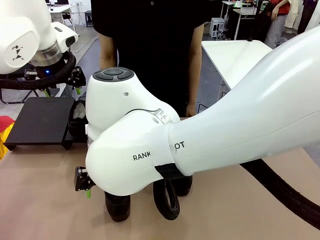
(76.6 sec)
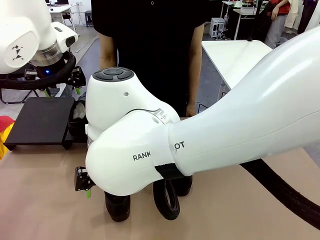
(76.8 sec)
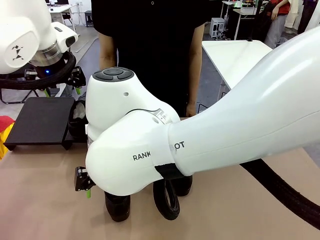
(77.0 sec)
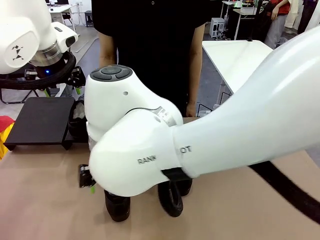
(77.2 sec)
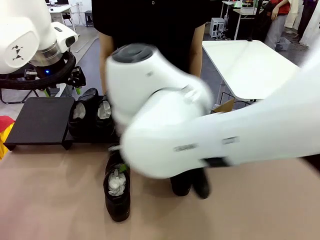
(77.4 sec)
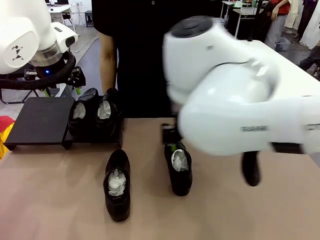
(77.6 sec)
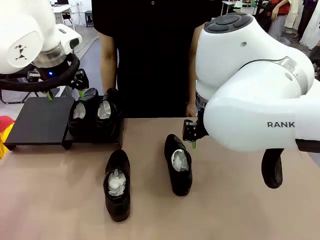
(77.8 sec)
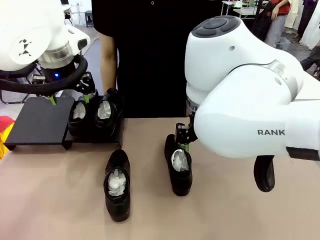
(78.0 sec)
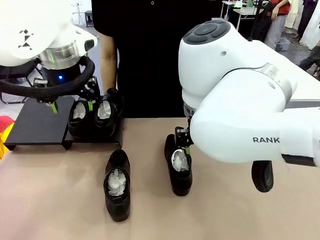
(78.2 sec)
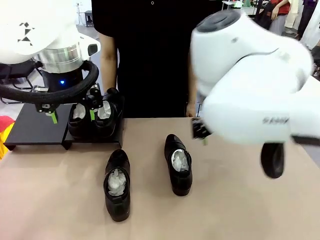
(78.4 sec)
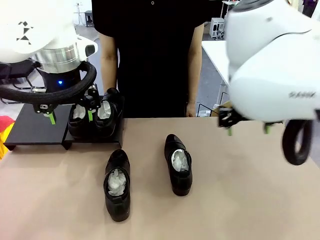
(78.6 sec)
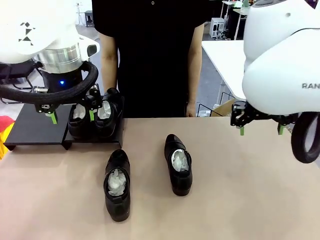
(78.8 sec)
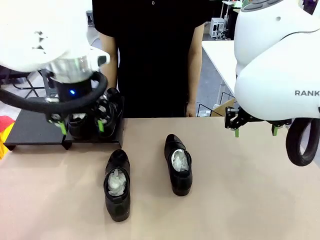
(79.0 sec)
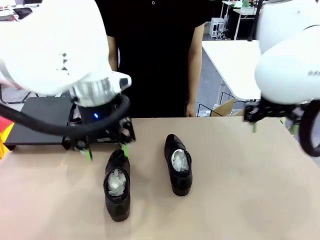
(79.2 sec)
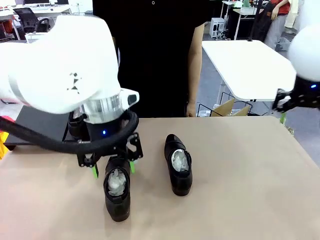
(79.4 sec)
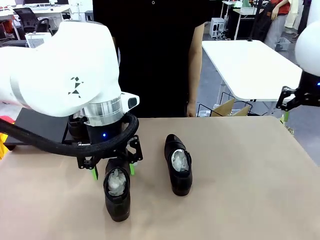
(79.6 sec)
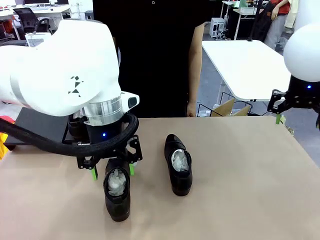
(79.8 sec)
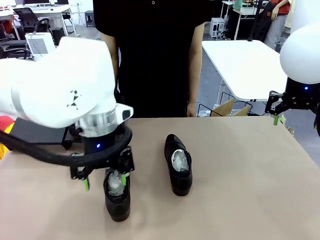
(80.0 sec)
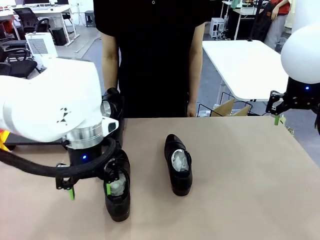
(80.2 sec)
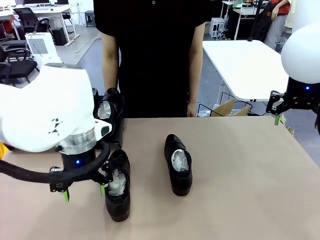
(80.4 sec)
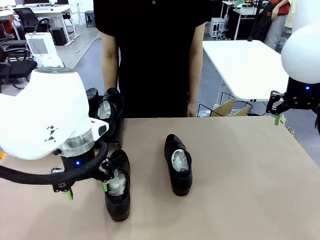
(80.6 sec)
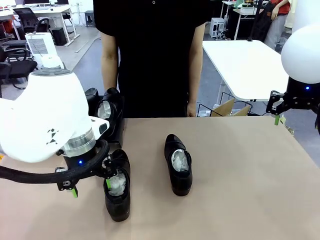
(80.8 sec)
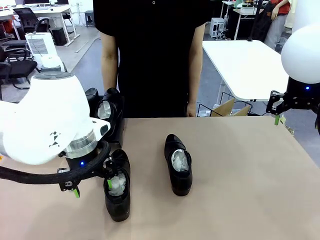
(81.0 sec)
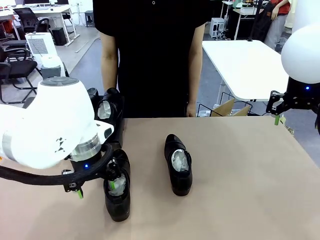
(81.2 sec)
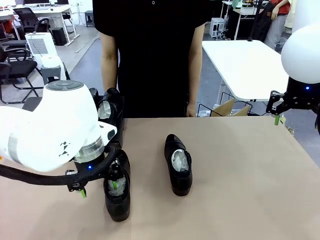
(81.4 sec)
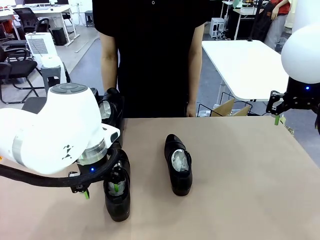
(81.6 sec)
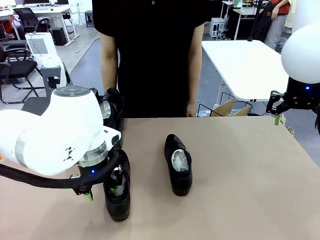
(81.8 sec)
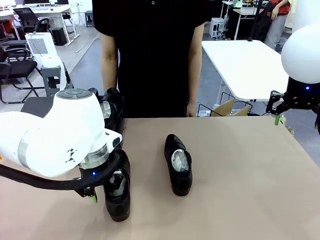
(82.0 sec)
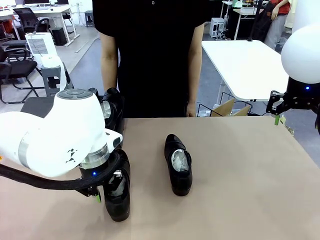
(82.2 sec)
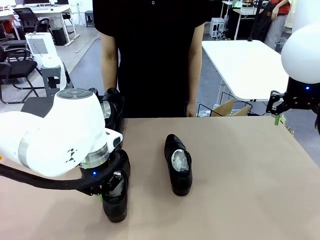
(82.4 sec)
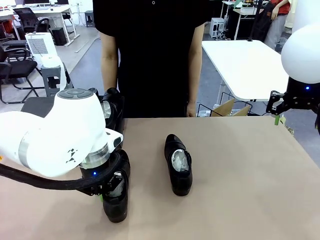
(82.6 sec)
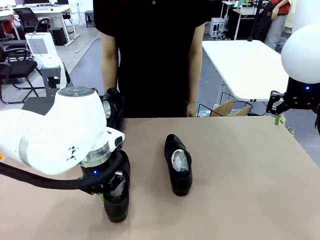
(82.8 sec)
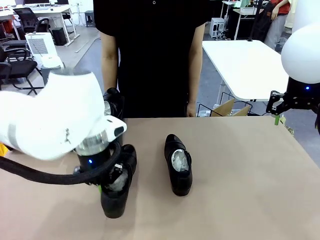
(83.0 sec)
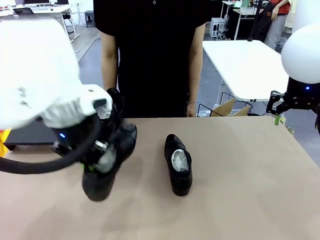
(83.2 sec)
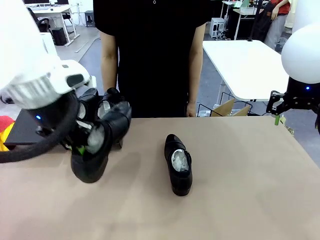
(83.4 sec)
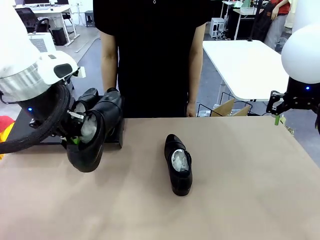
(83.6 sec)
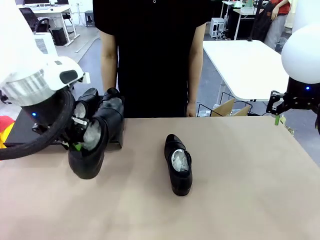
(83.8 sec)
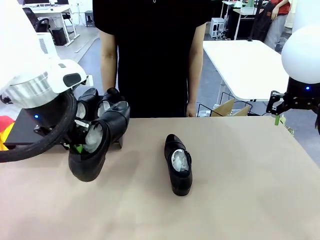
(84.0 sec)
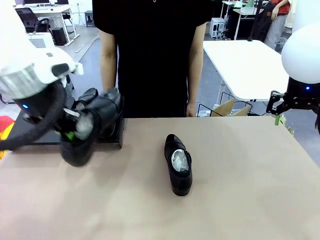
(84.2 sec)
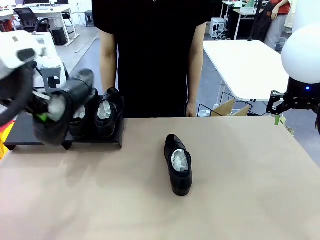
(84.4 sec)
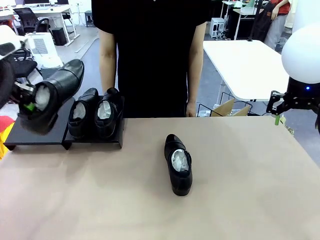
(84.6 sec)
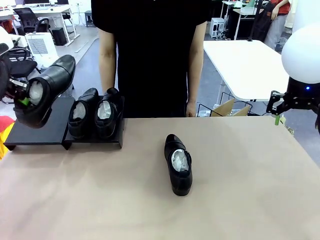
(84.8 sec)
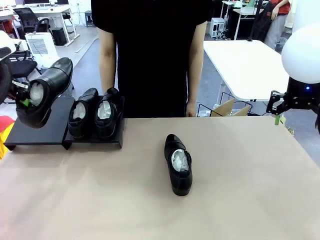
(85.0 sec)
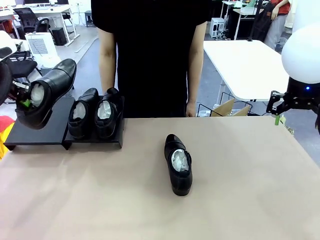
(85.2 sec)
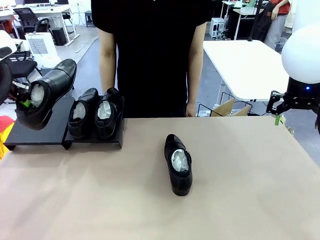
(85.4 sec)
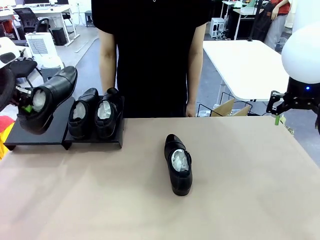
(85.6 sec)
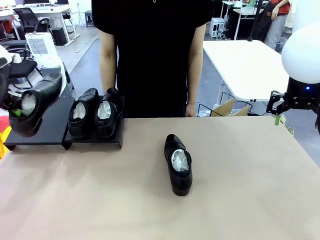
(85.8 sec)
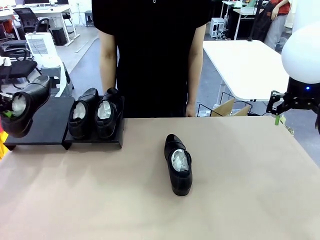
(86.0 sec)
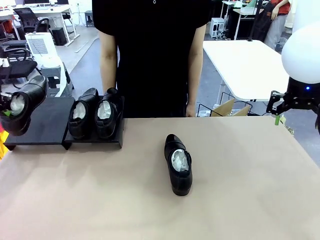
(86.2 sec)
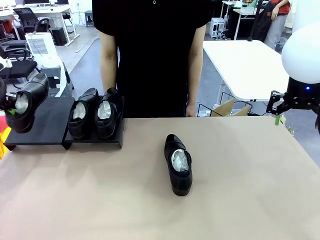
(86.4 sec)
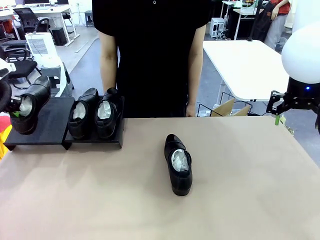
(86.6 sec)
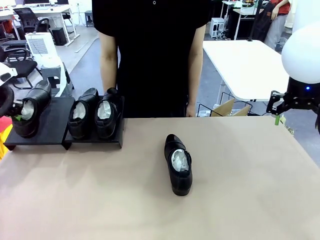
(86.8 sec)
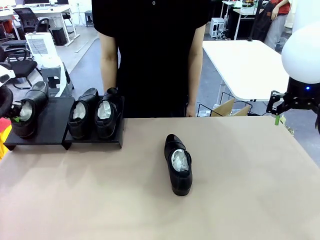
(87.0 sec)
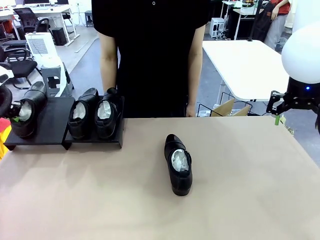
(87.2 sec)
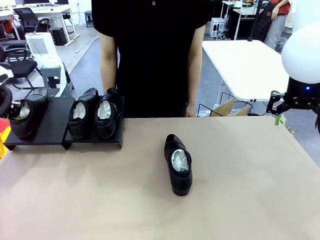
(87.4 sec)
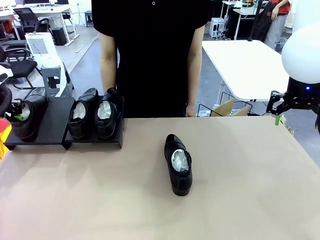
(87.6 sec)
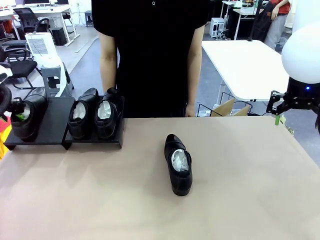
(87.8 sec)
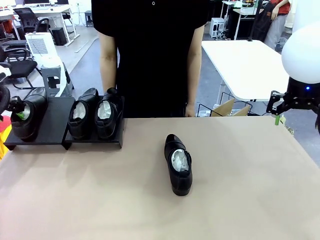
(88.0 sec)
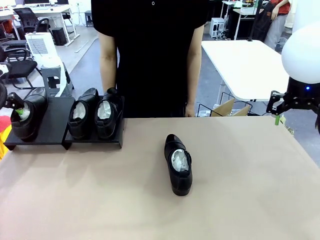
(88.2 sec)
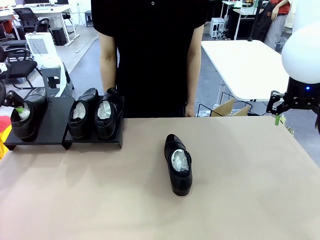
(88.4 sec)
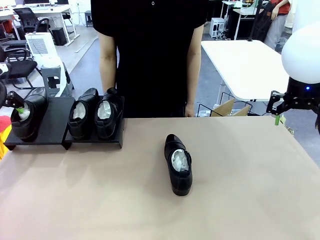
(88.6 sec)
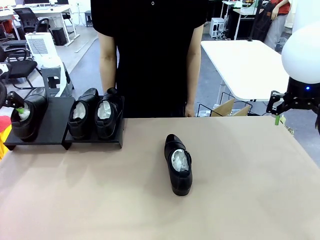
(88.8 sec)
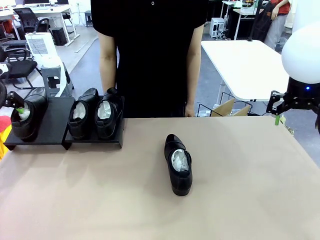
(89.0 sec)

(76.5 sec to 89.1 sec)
Task: Organize the shoes by placing them on the stand.
Robot: Place the Shoe from the middle of the table onto the Shoes Stand.

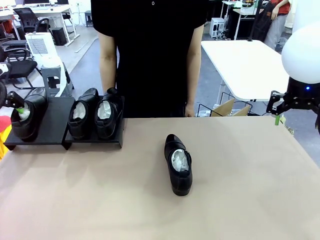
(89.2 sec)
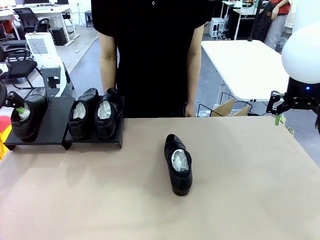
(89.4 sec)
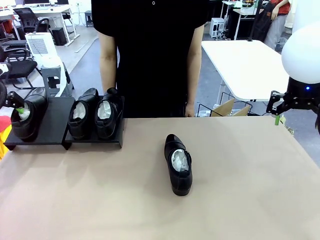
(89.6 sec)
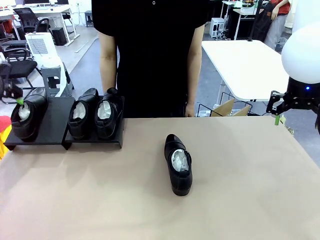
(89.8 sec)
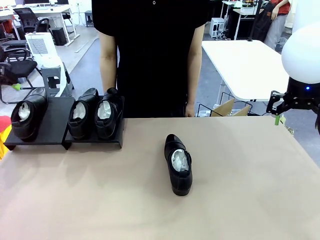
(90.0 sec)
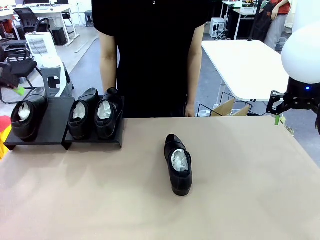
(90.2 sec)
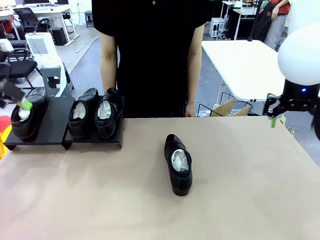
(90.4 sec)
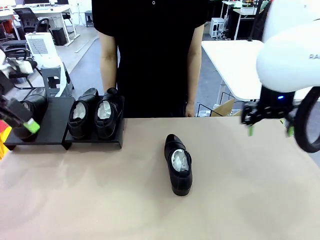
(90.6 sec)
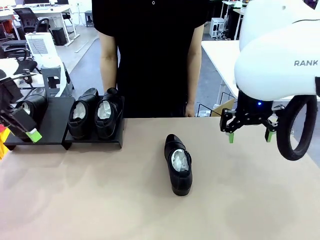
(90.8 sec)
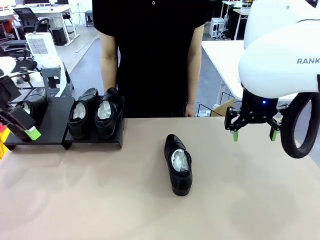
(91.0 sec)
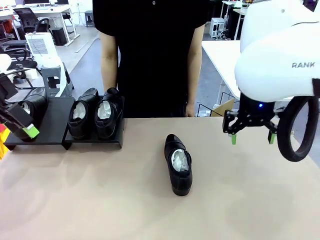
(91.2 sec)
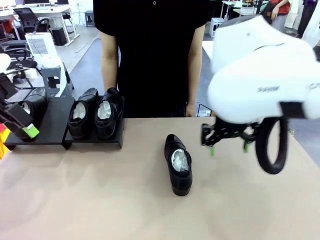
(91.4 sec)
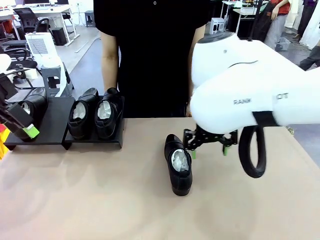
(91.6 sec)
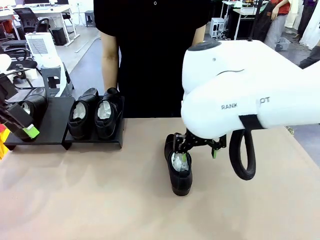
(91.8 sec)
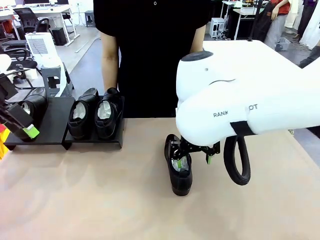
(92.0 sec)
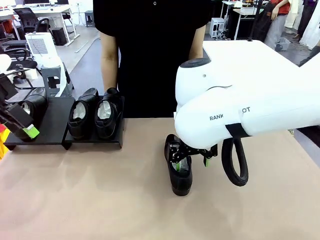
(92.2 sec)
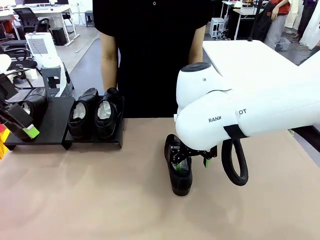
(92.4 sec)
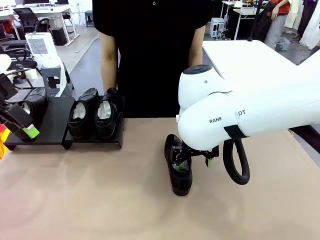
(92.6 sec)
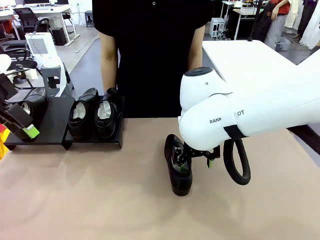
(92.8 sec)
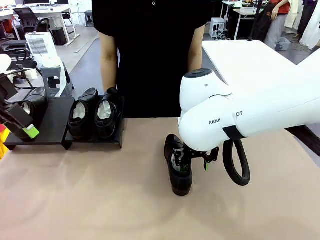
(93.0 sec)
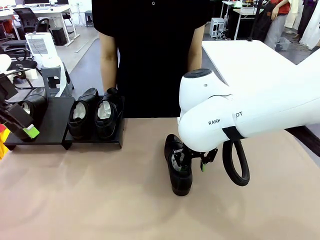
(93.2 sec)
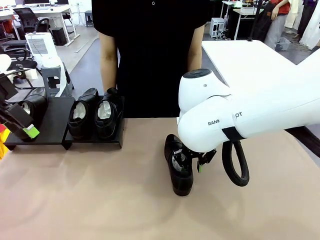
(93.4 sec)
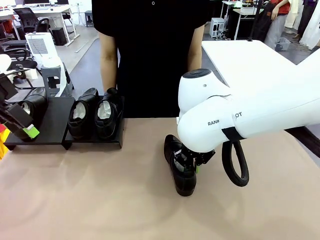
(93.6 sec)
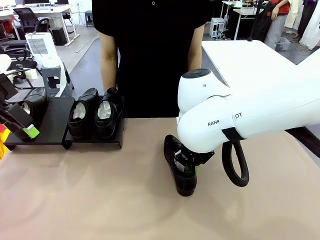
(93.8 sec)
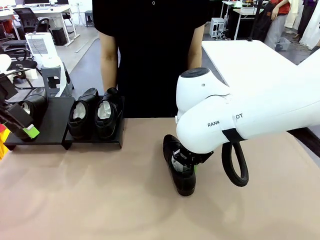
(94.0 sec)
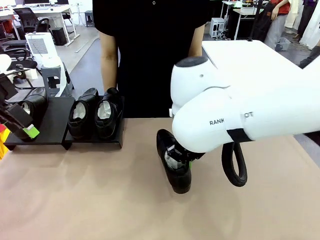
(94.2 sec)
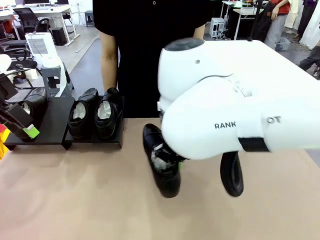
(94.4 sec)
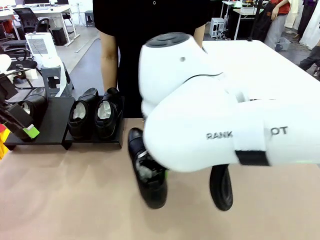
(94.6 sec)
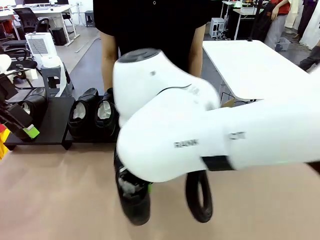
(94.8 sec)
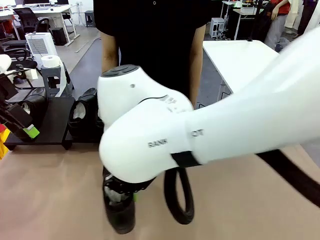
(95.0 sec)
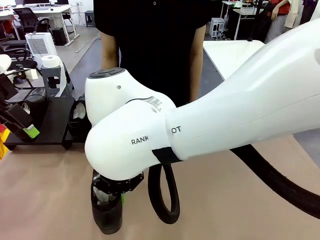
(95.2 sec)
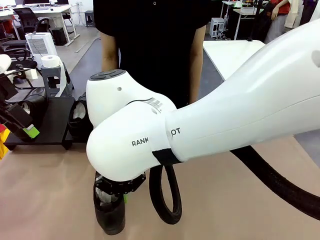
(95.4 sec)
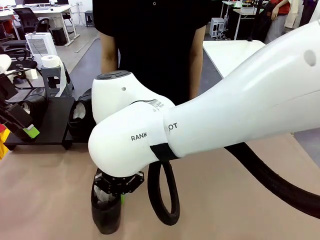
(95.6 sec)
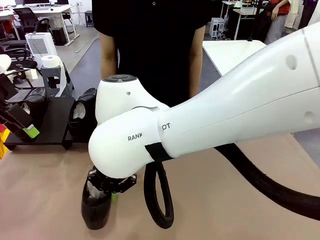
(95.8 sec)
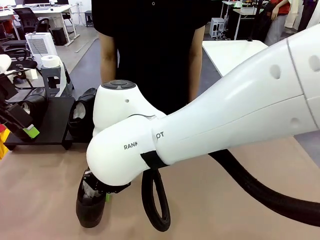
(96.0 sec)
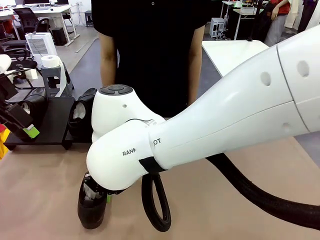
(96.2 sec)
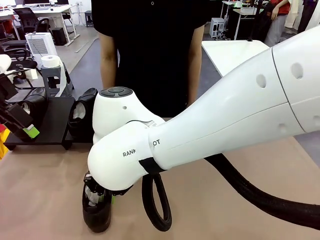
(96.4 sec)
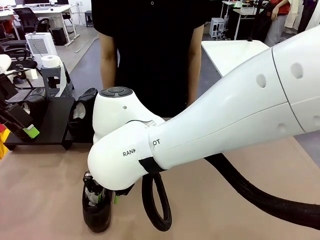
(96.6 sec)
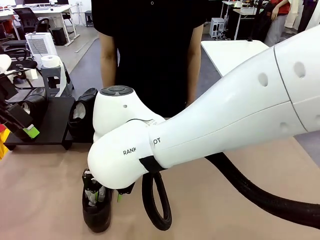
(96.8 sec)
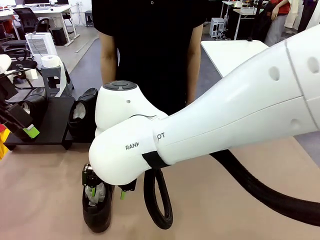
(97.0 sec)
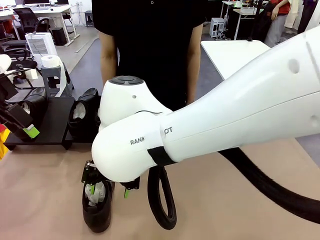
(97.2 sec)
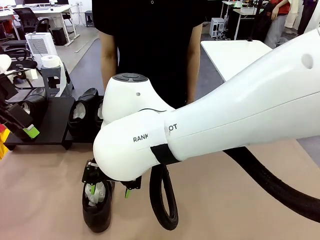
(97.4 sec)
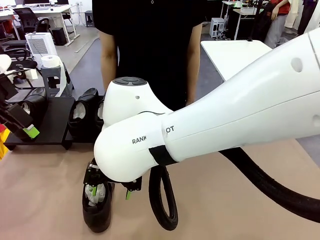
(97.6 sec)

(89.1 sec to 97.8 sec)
Robot: Pick up one Shoe and place it in the middle of the table.
